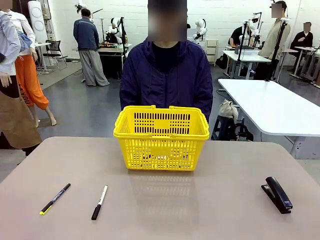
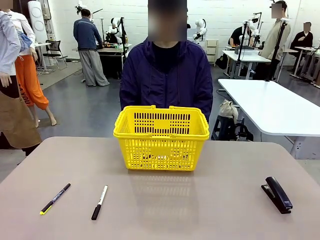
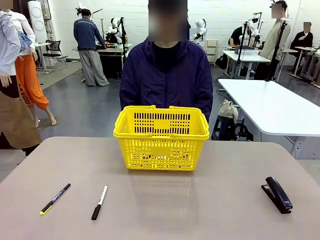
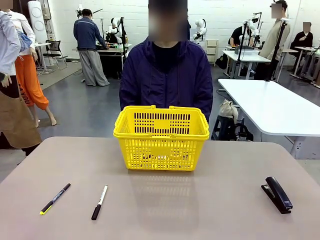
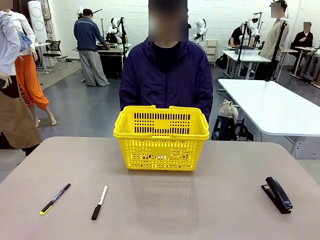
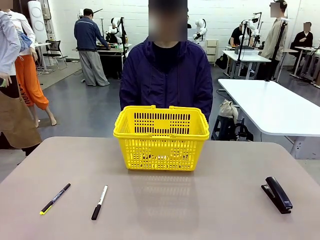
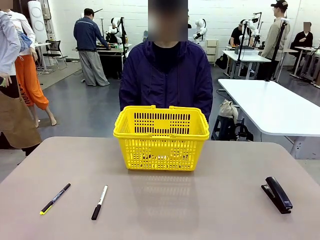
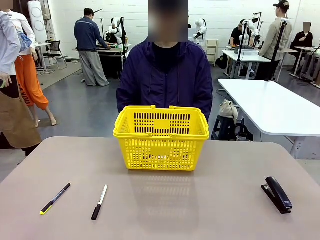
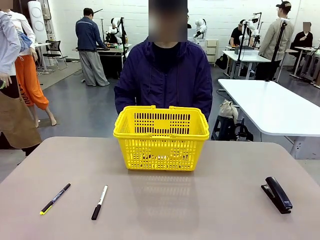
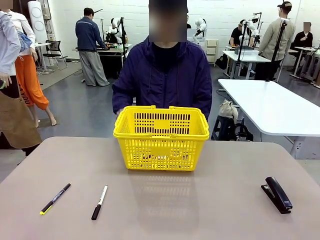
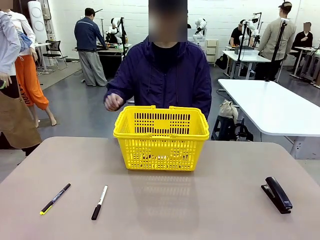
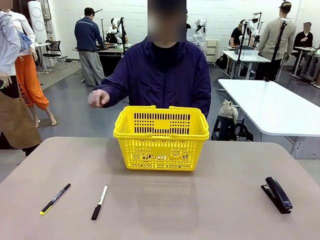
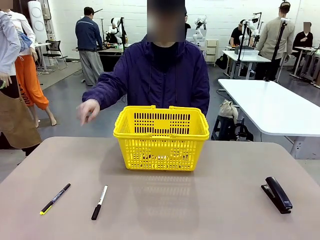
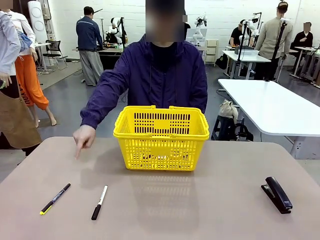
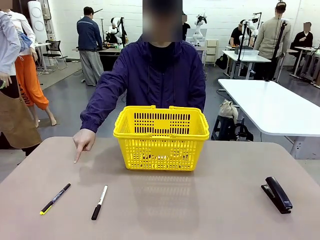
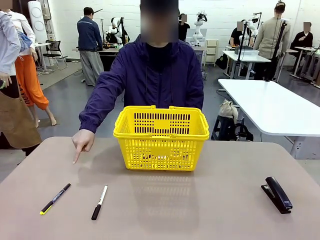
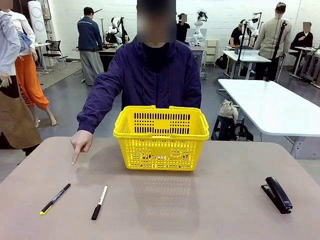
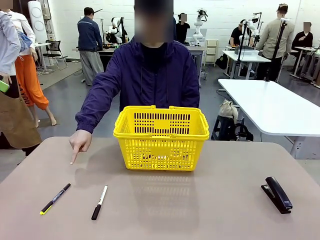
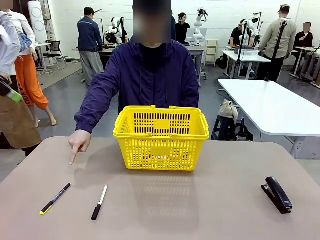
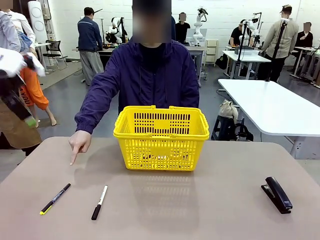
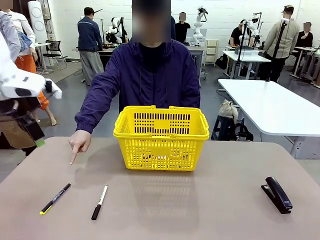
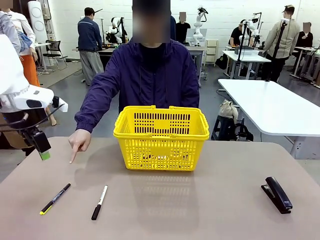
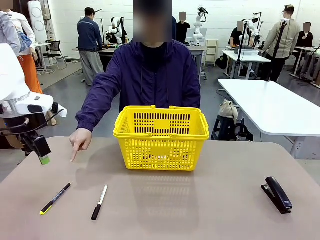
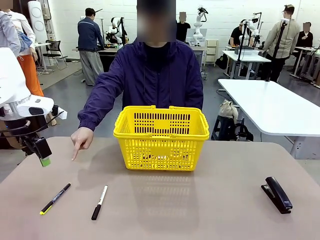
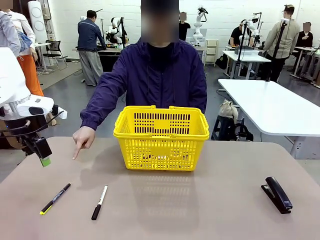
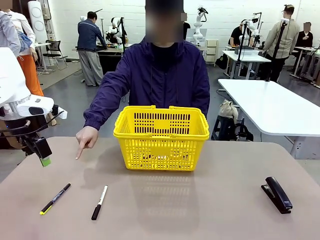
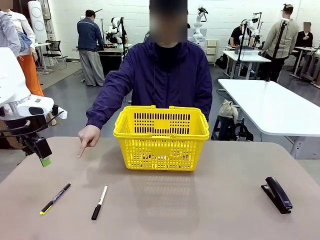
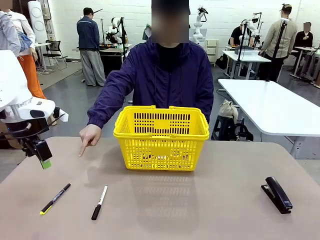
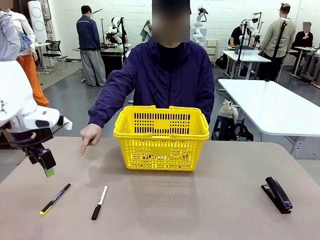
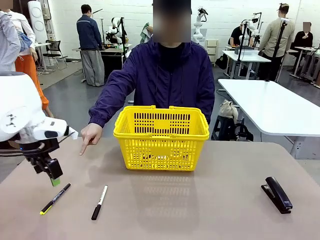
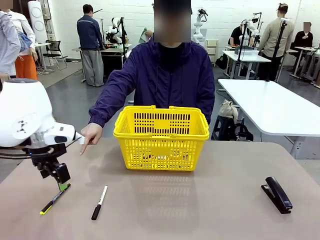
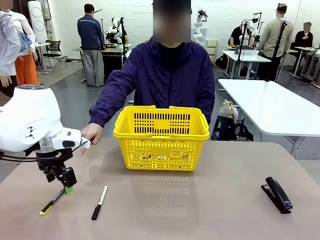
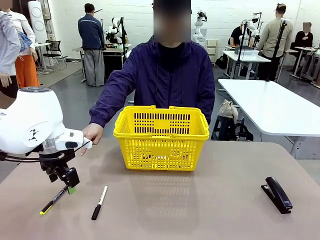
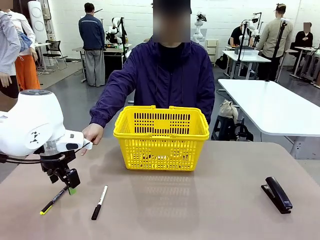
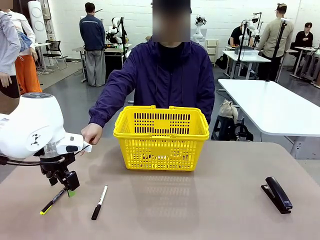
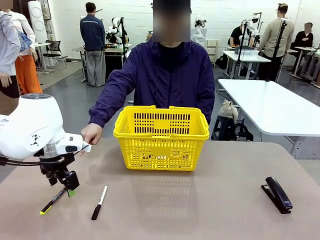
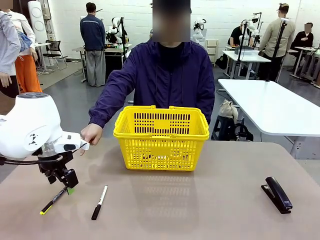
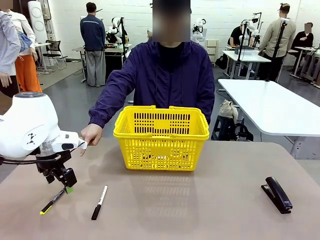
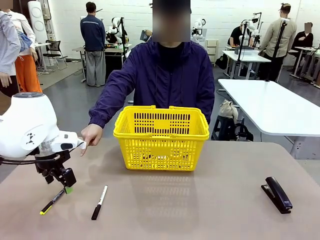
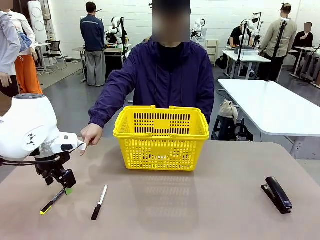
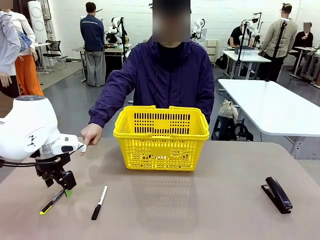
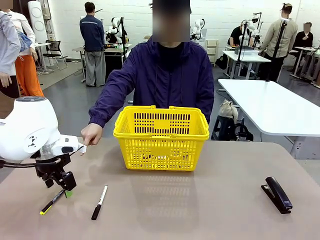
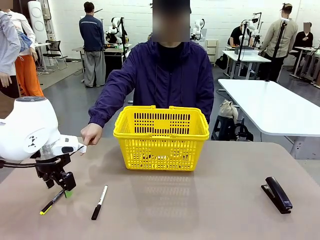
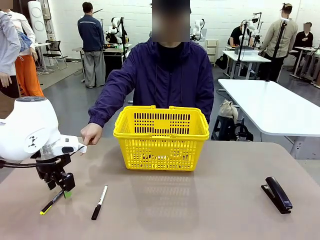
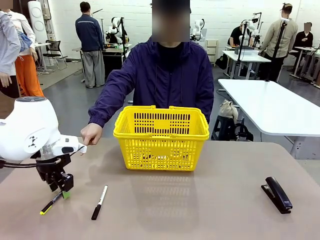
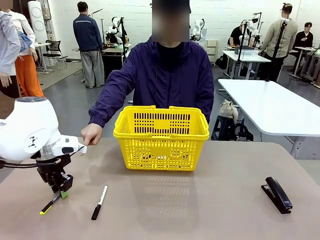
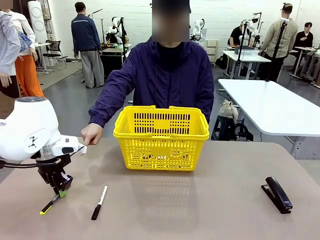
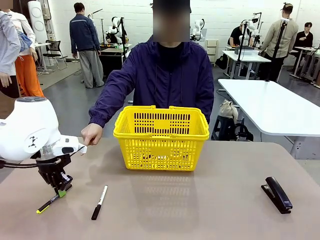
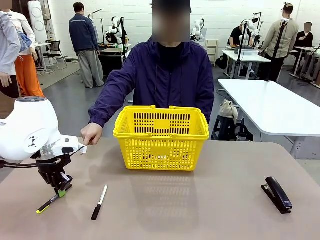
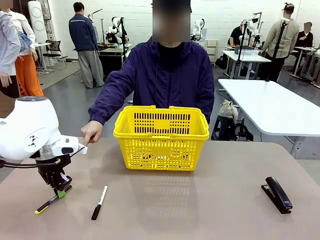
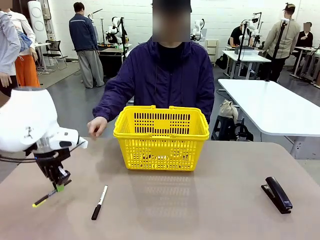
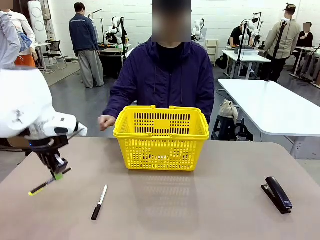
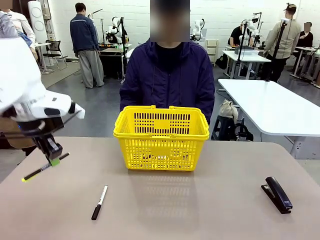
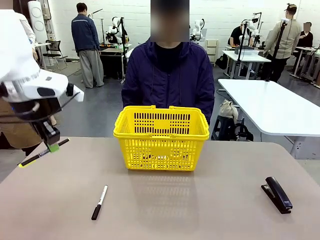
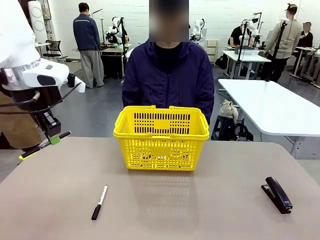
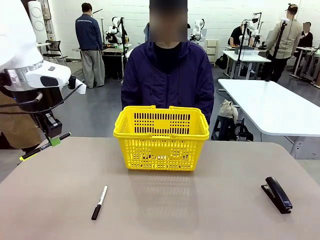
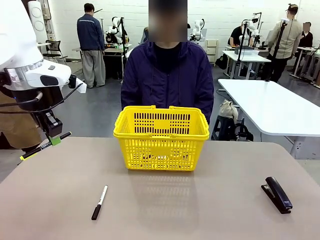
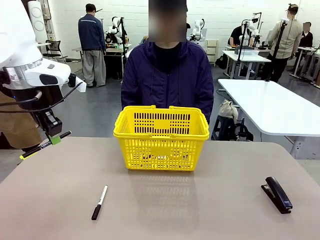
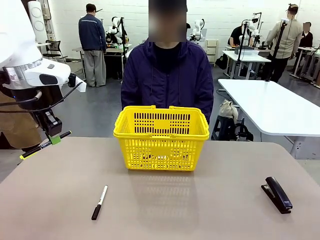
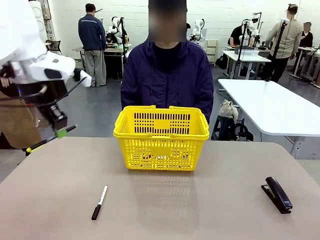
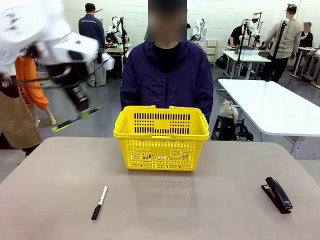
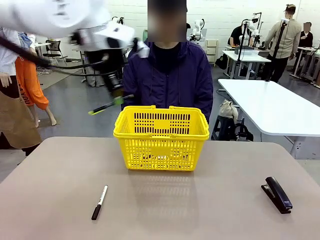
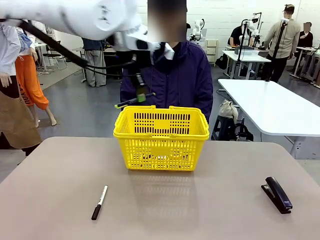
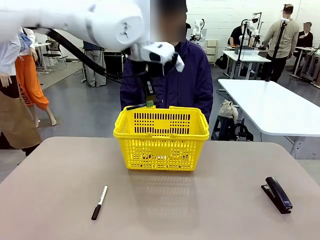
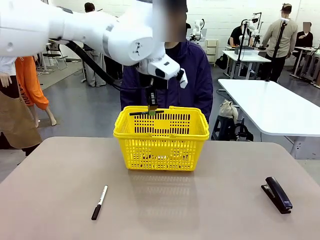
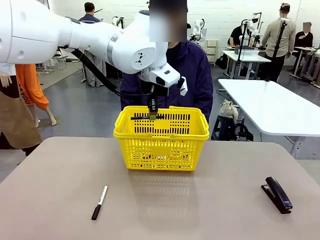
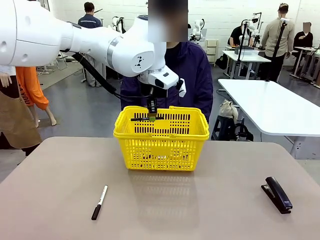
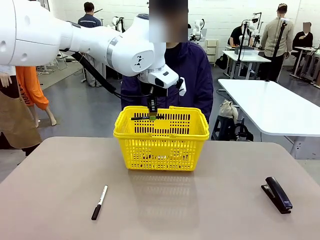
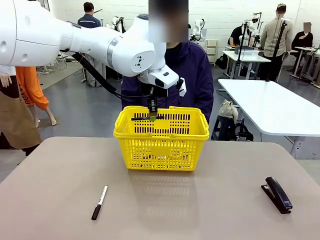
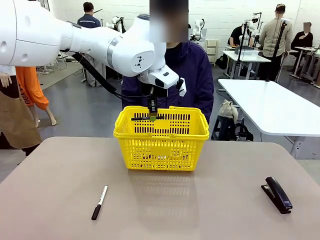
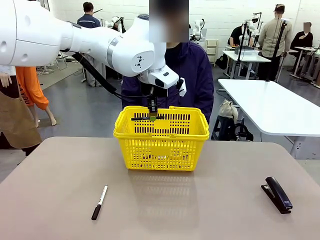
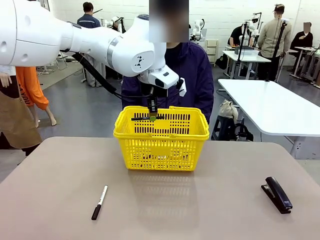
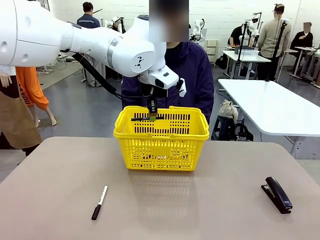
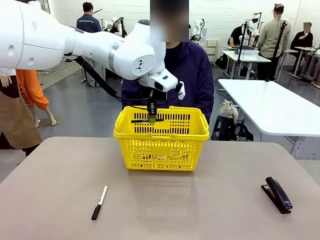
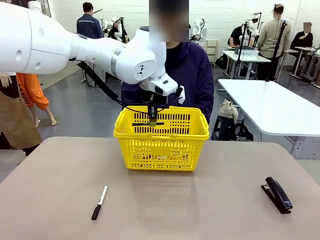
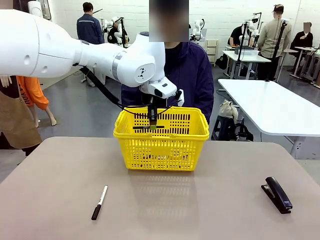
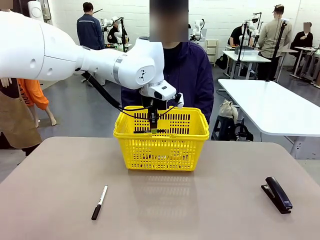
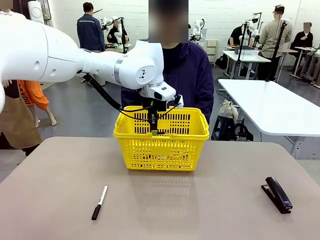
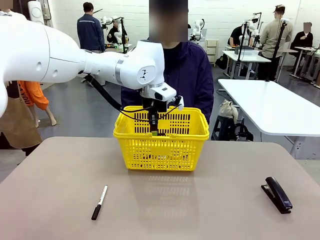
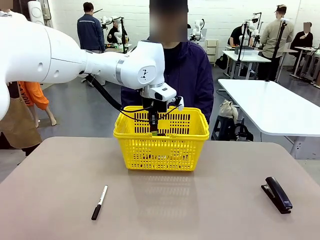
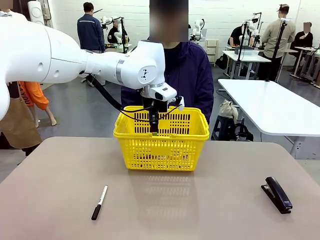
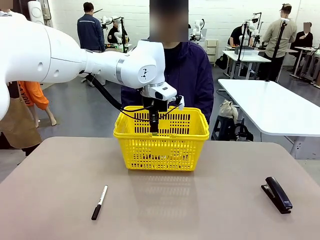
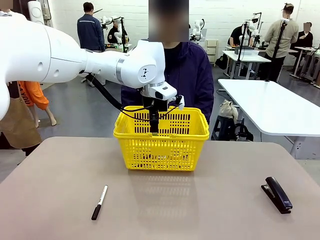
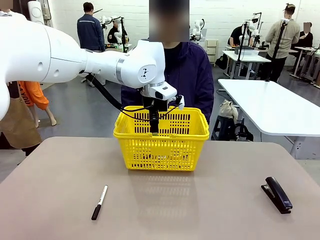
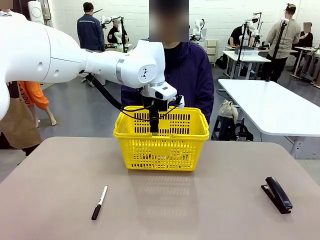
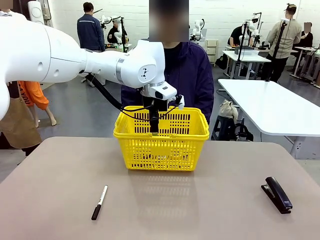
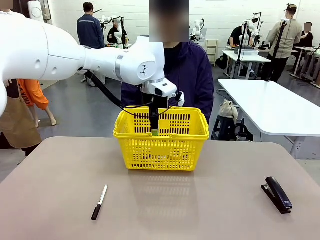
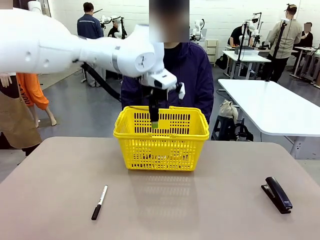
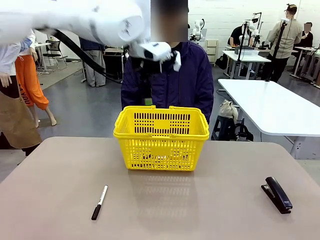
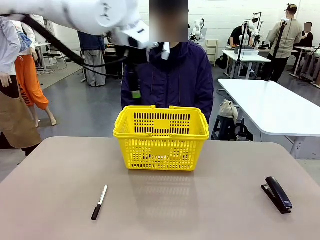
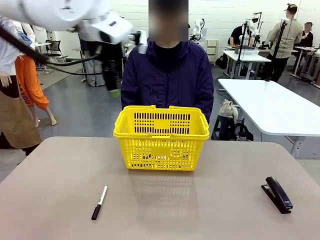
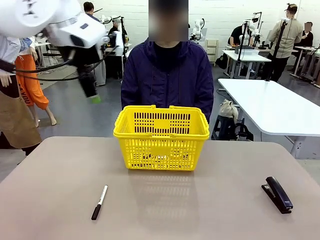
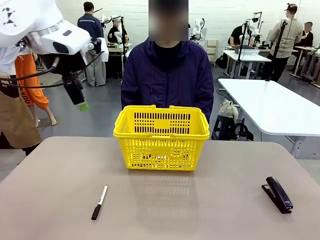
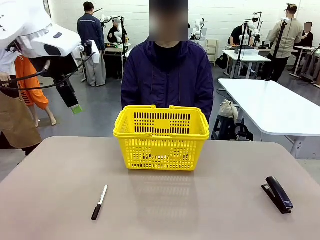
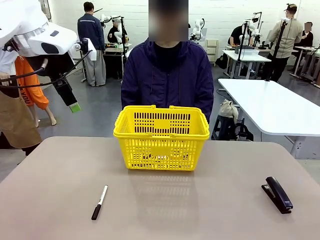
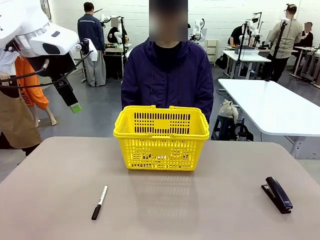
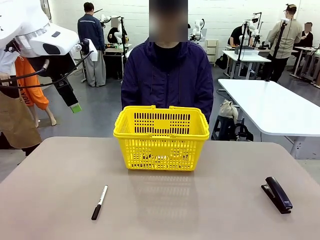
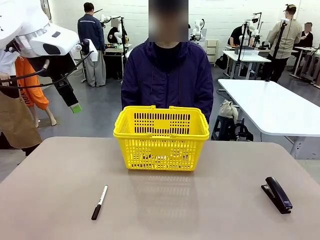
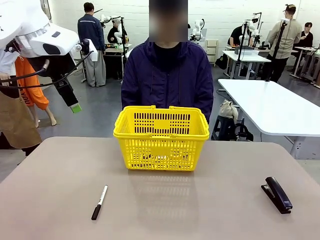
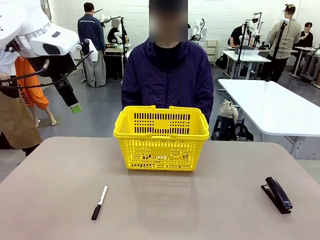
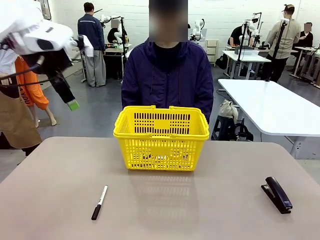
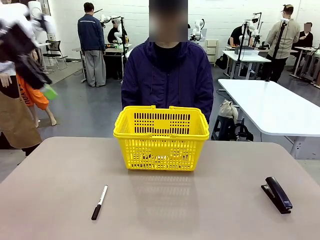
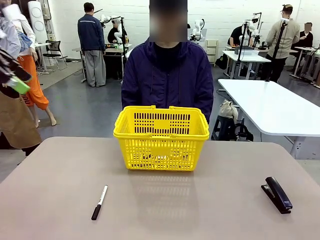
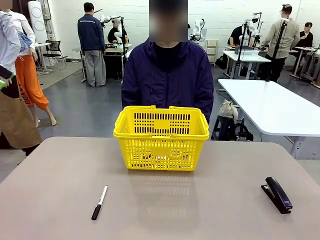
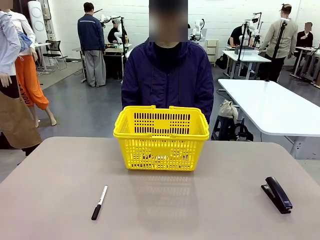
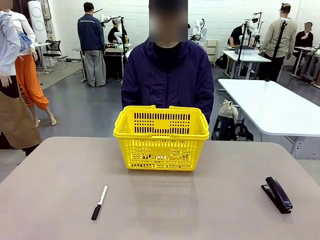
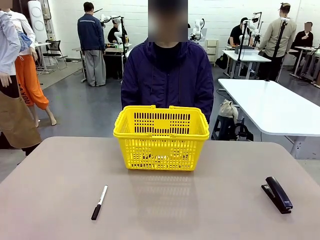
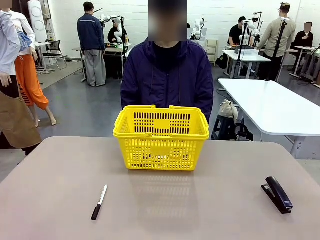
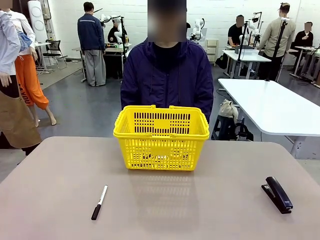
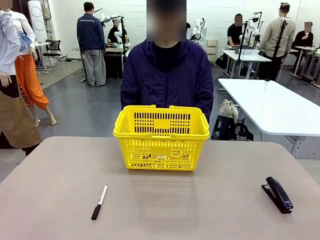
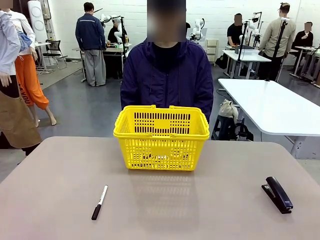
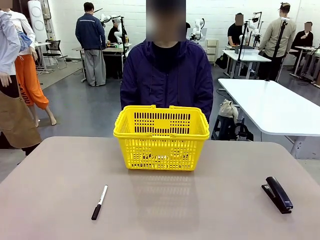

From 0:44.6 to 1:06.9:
Task: Place the items the person wants into the basket.
Robot: Pick up the item the person points to and place it in the Market Basket.
